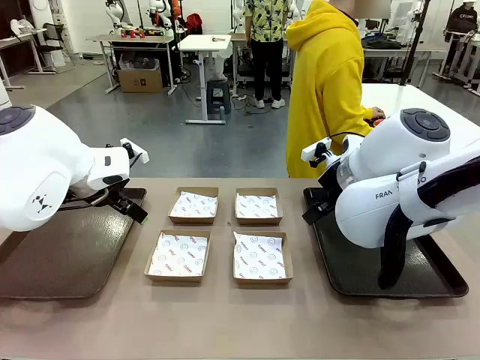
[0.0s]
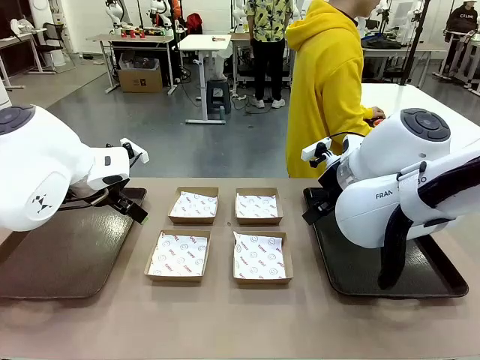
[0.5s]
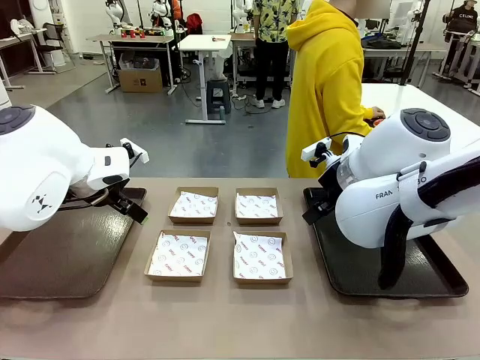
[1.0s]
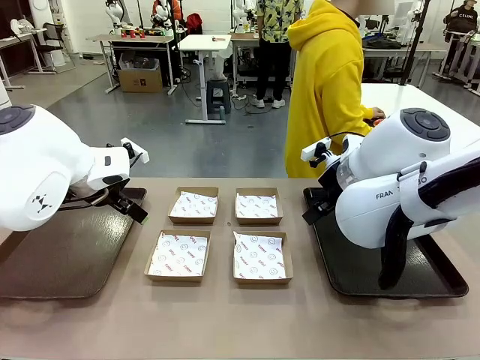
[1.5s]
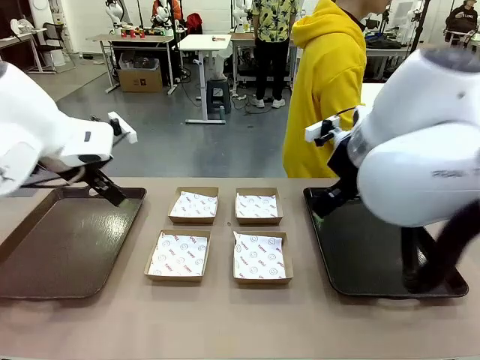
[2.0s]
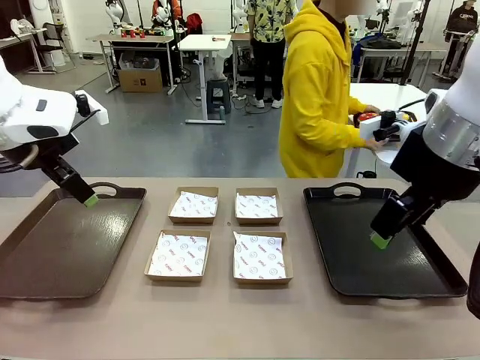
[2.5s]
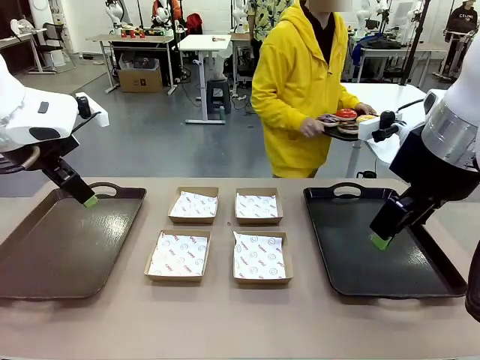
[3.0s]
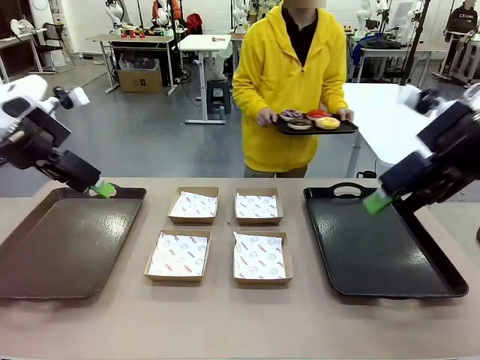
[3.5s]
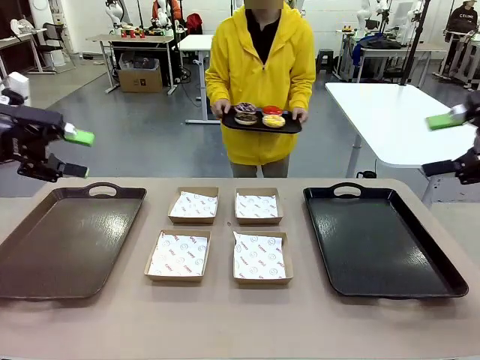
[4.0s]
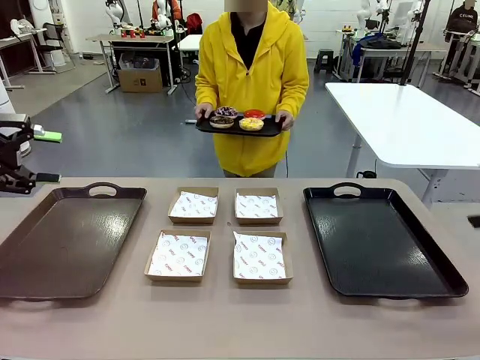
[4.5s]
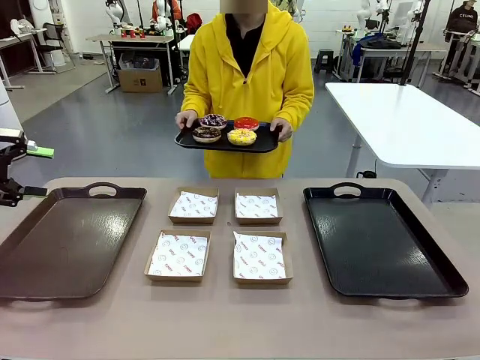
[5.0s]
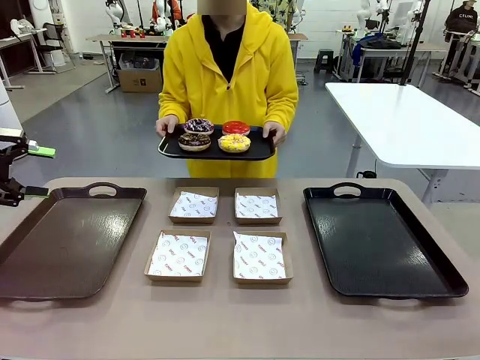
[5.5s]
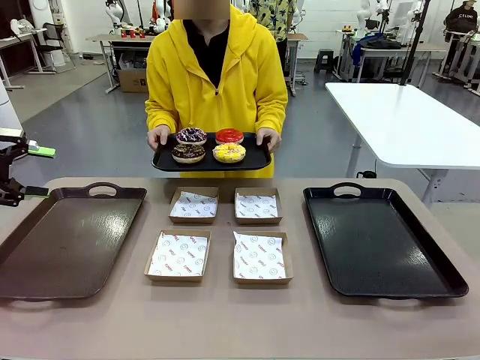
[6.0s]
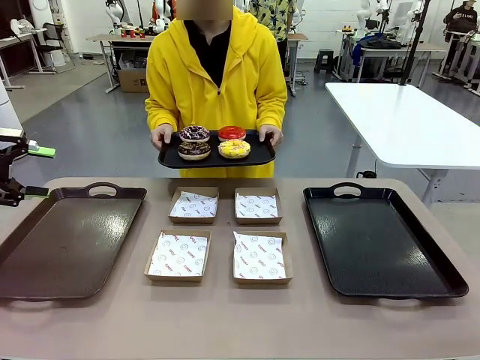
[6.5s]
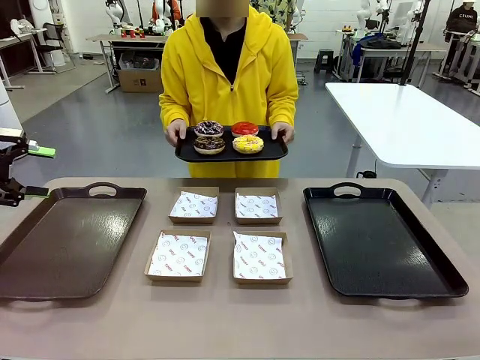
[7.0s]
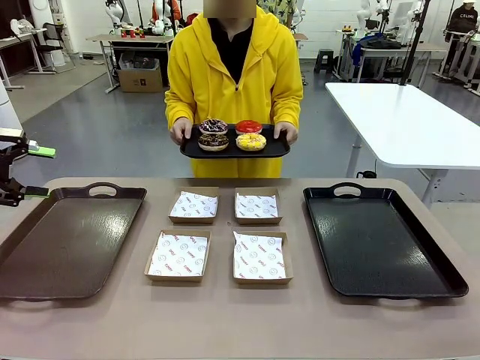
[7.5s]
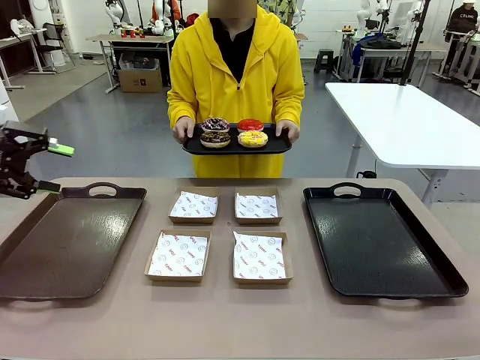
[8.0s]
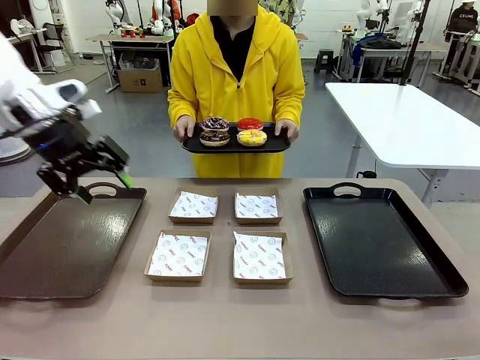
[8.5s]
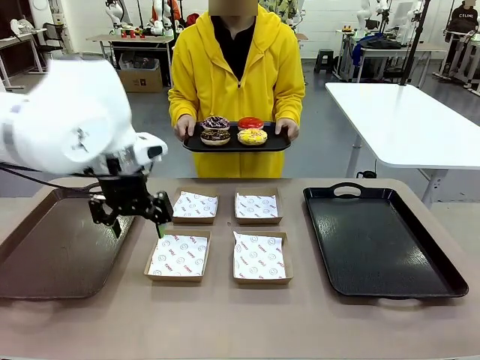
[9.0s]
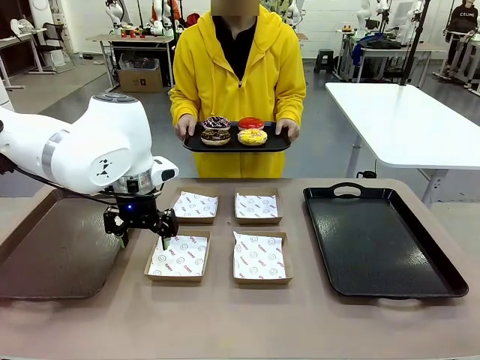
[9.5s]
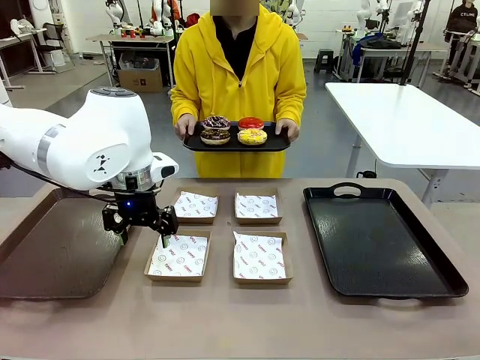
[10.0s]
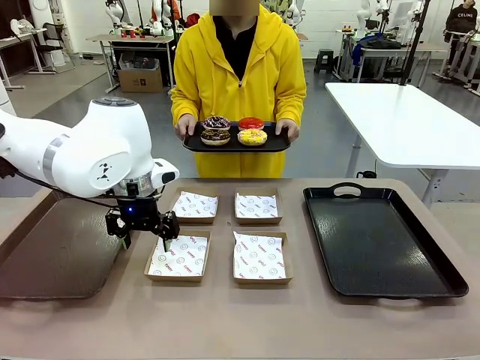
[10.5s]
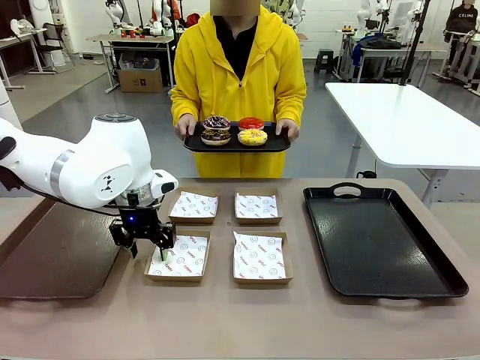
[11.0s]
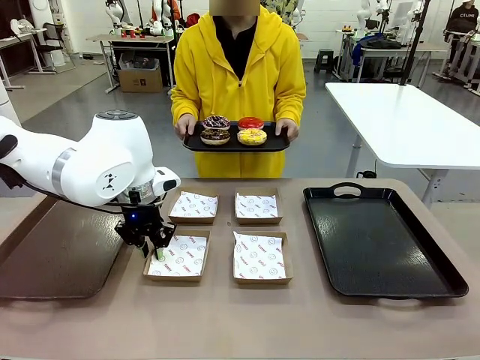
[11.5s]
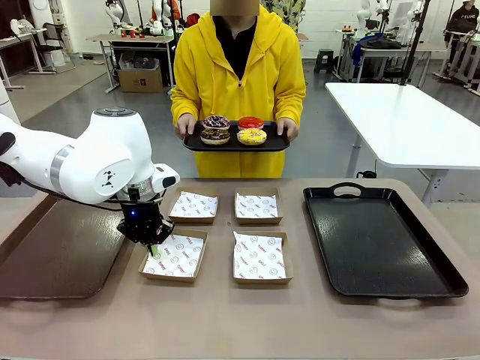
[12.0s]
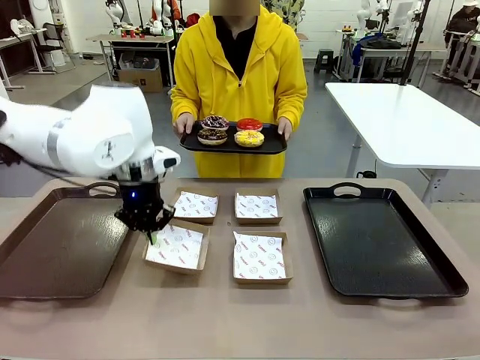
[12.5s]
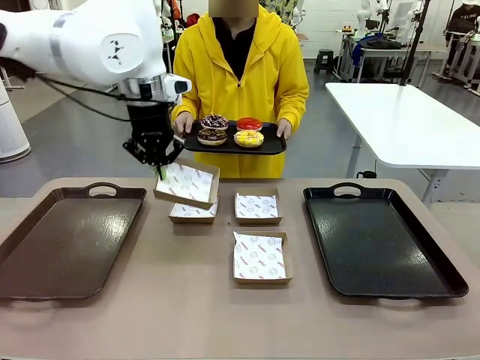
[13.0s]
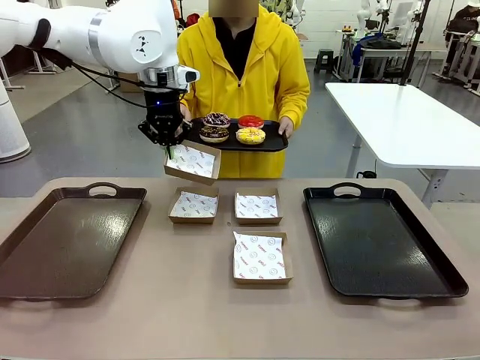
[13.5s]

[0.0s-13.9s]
Task: Individually package the donuts and arrange them on the tray.
Robot: Pick up one Paper togo box.
Person: Stand in front of the robot table holding the tray containing the donuts.

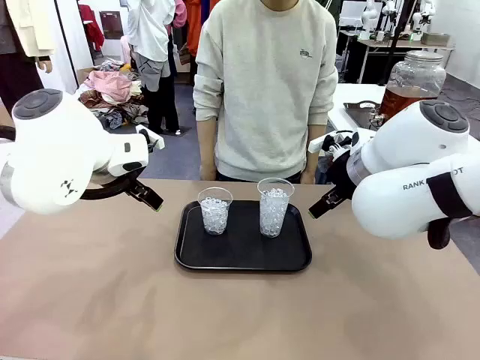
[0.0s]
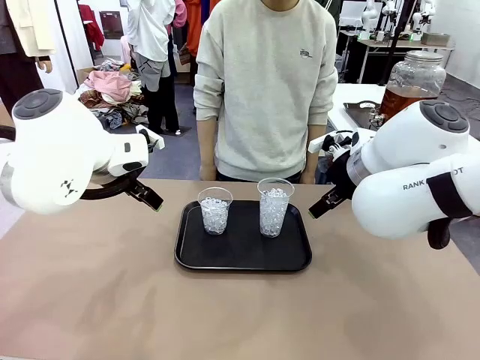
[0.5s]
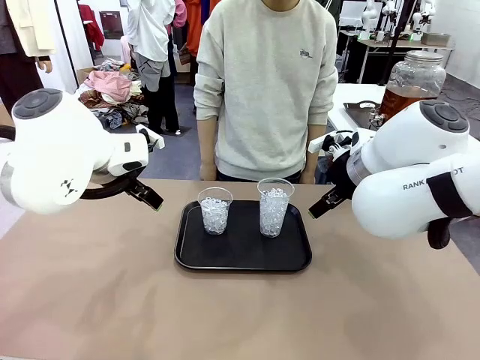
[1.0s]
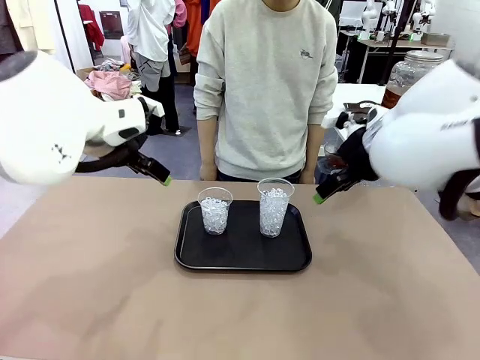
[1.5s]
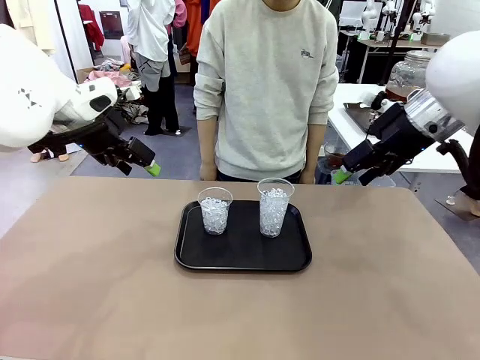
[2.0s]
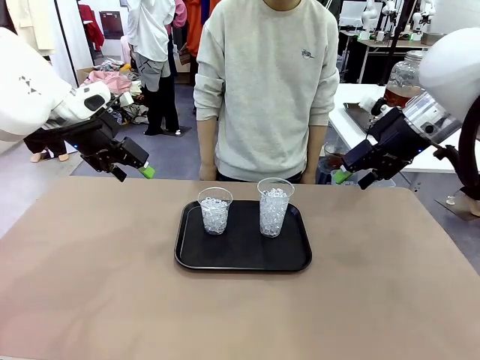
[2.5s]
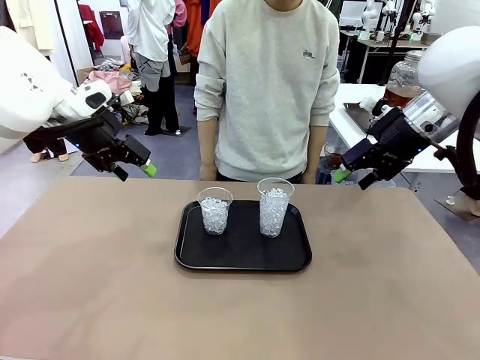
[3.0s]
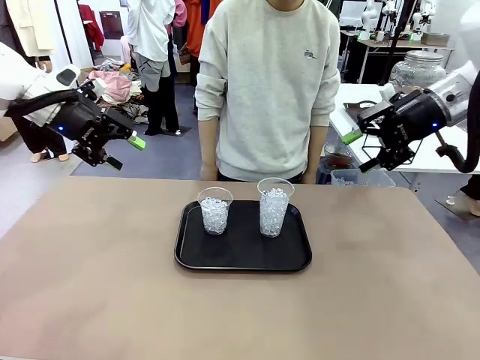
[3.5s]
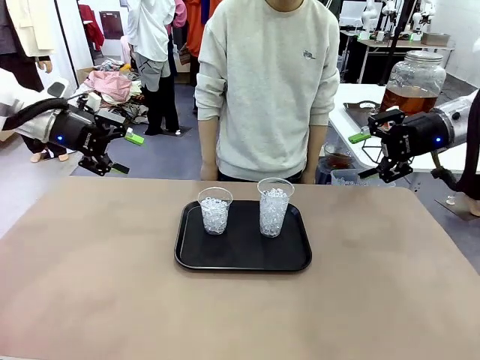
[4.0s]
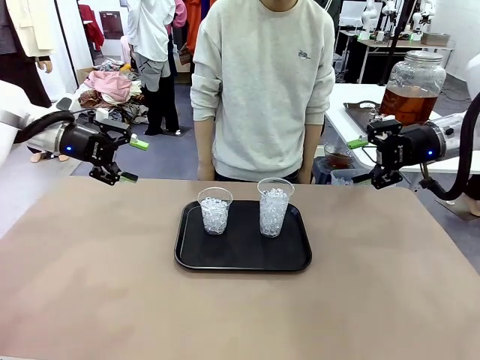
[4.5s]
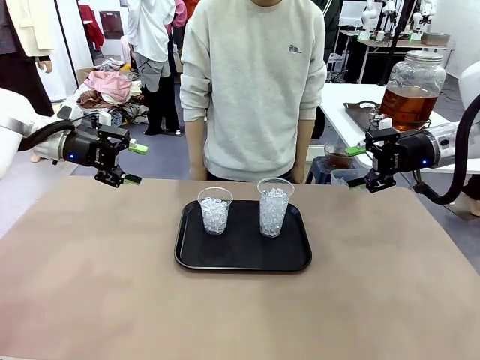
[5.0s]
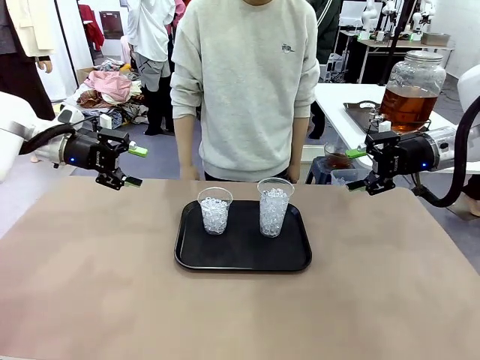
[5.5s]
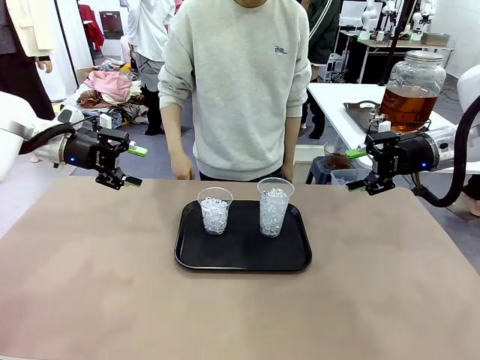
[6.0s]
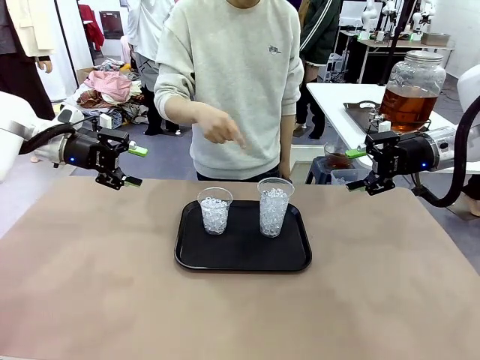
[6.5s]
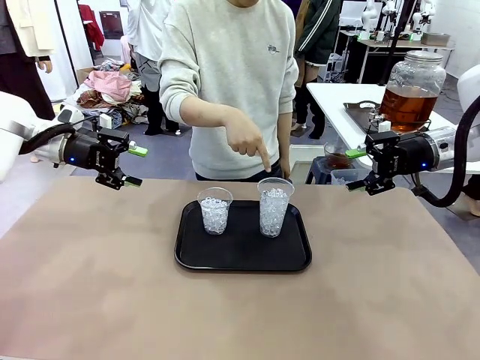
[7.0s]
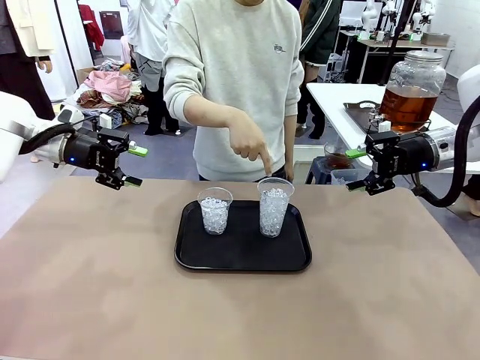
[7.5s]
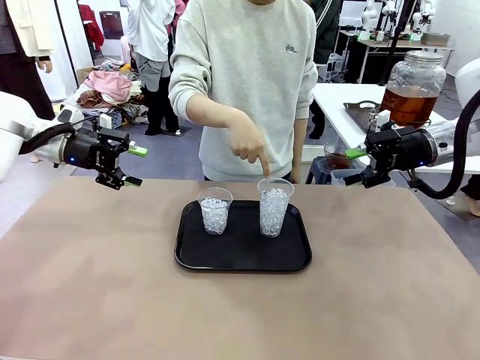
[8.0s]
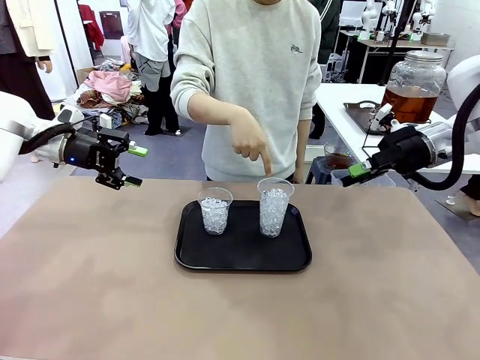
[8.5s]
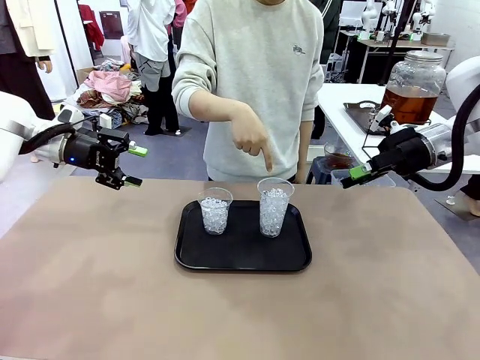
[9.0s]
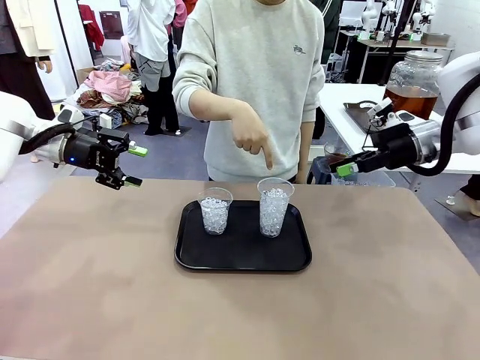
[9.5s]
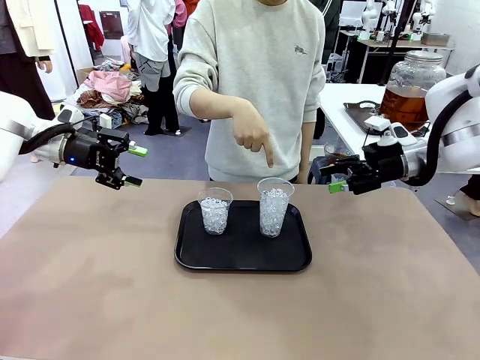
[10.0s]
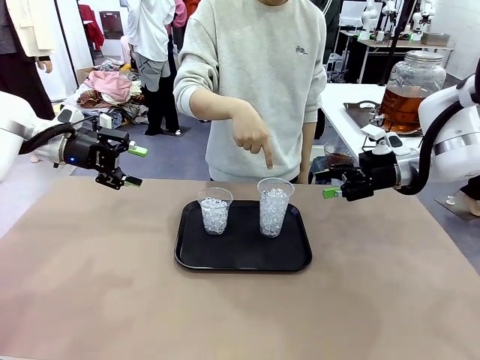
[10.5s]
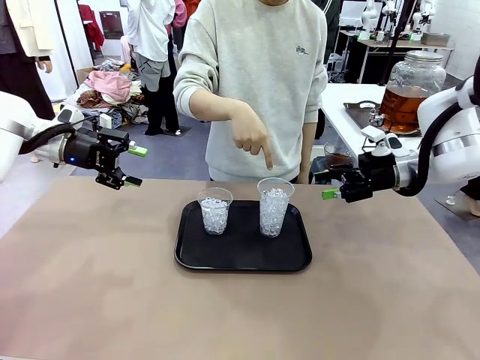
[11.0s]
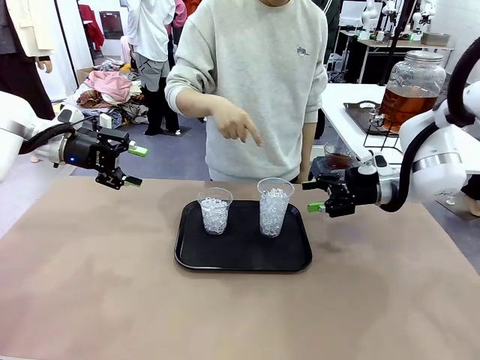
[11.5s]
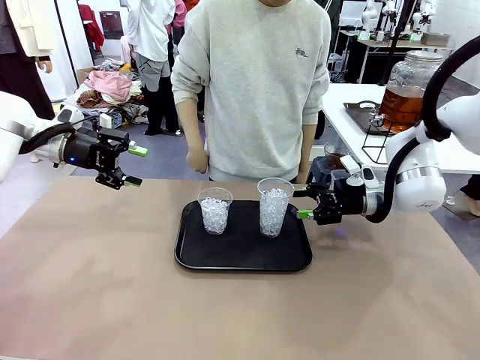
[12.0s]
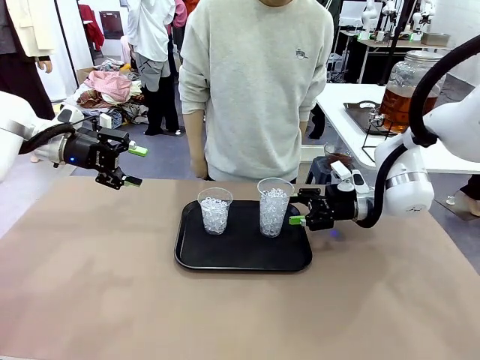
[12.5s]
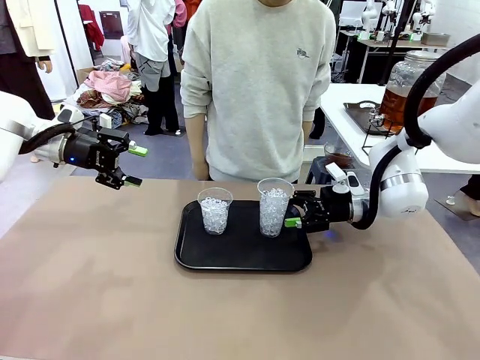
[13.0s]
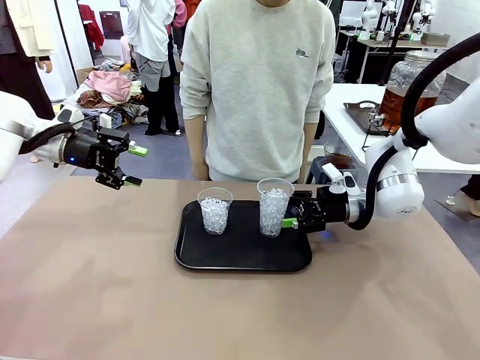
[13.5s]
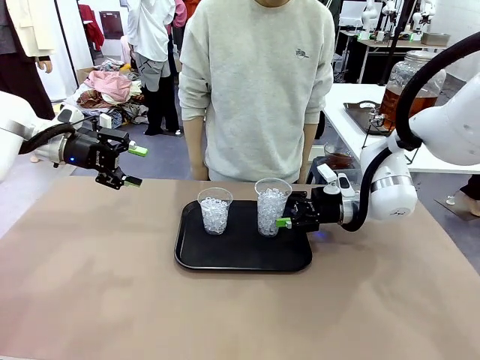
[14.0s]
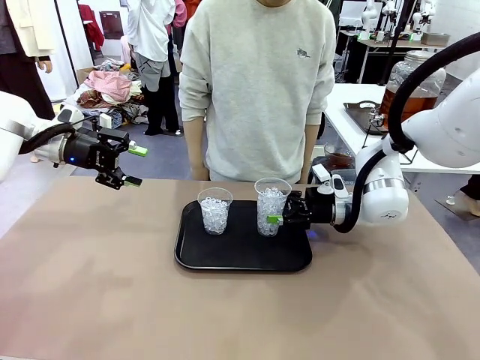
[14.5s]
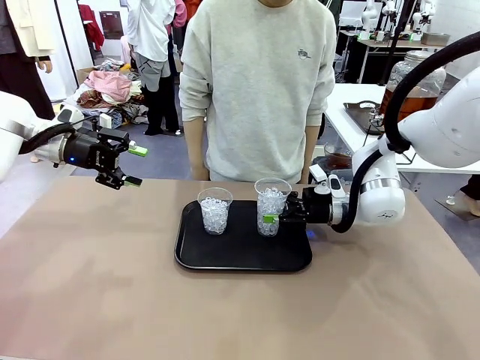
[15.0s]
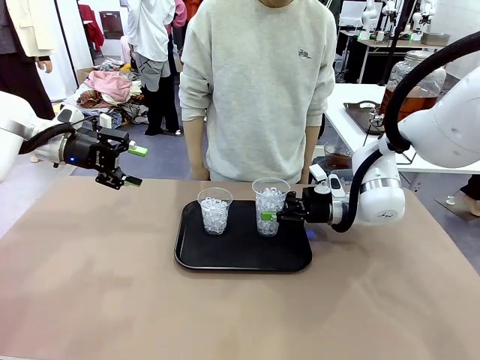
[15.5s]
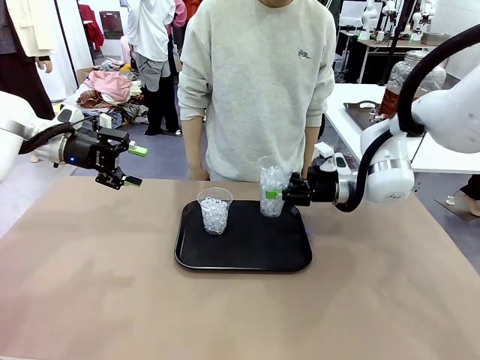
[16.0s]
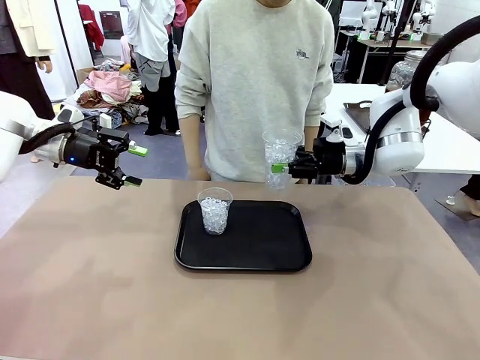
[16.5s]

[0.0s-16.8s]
Task: Pour the drink into the iced cup.
Robot: Pick up the iced cup indicated by the human and present it to them.
Person: Point to one of the two ice cups. Pick up the cup offered by the robot.
